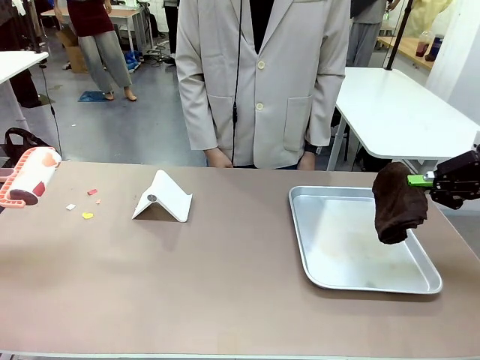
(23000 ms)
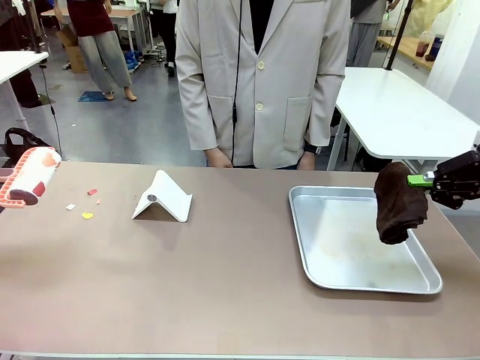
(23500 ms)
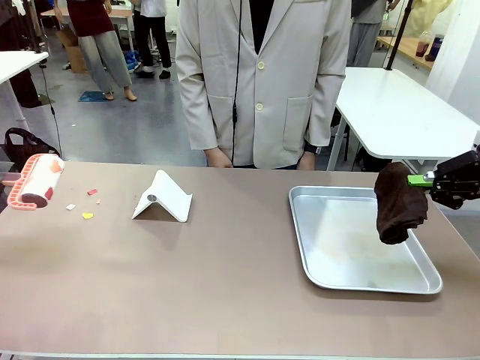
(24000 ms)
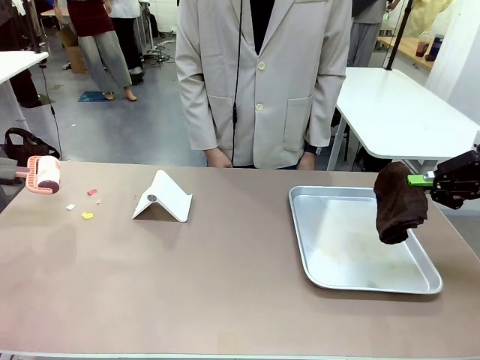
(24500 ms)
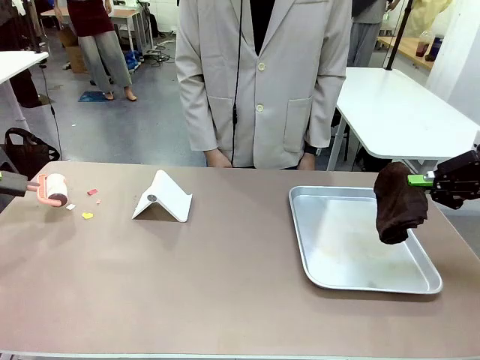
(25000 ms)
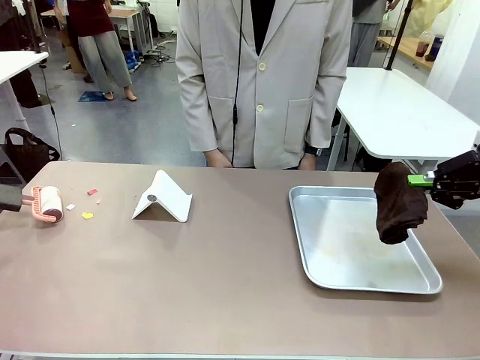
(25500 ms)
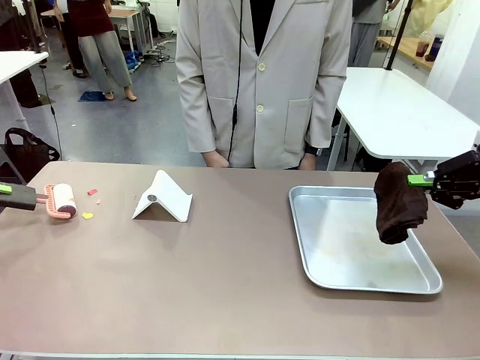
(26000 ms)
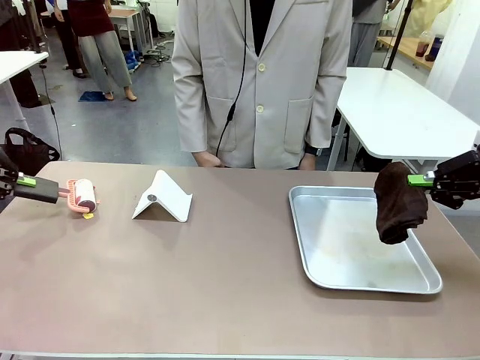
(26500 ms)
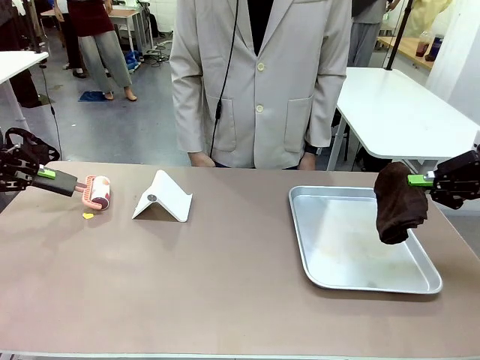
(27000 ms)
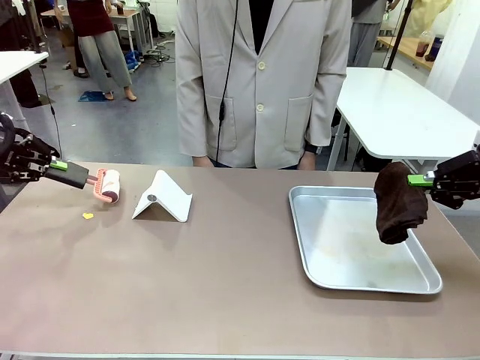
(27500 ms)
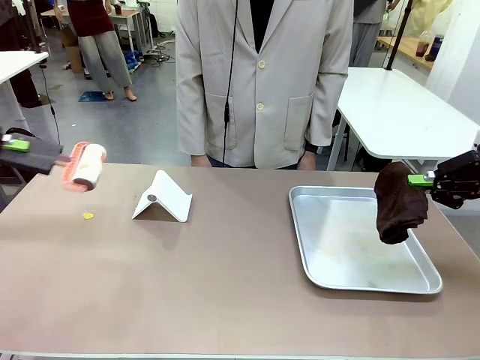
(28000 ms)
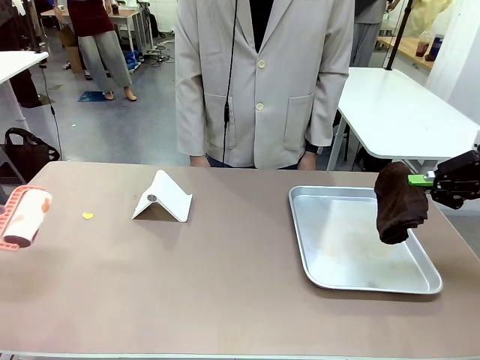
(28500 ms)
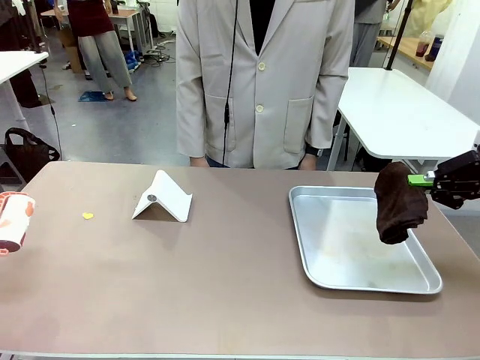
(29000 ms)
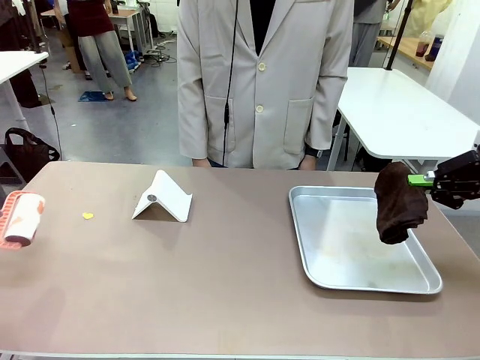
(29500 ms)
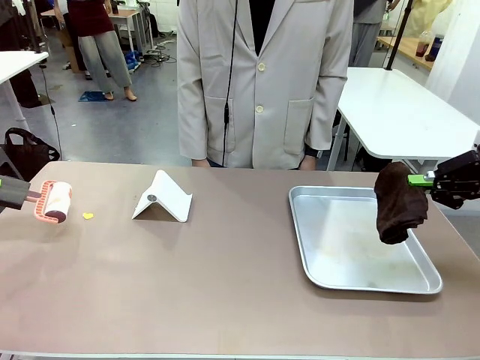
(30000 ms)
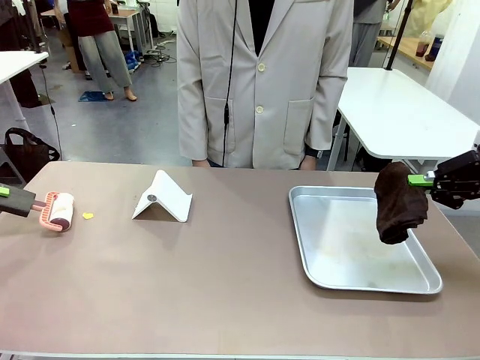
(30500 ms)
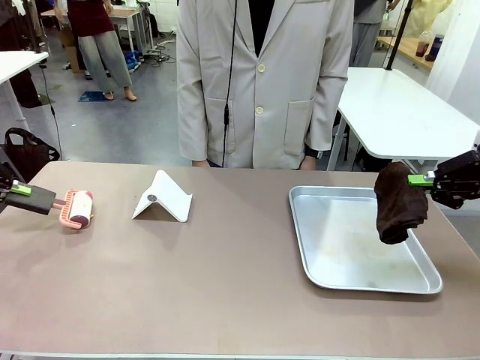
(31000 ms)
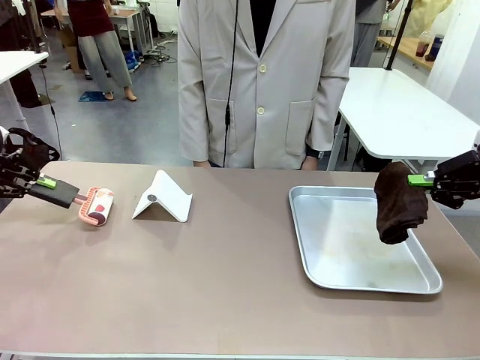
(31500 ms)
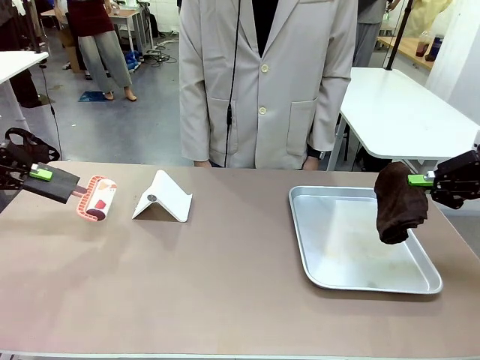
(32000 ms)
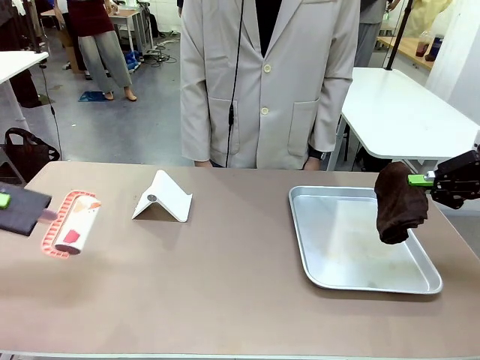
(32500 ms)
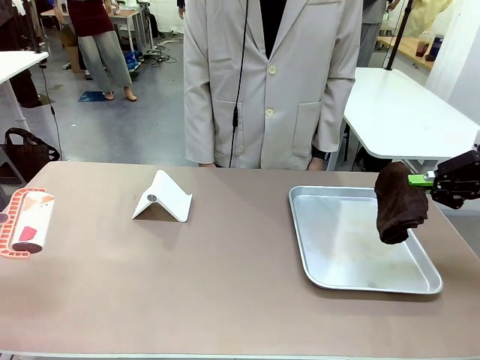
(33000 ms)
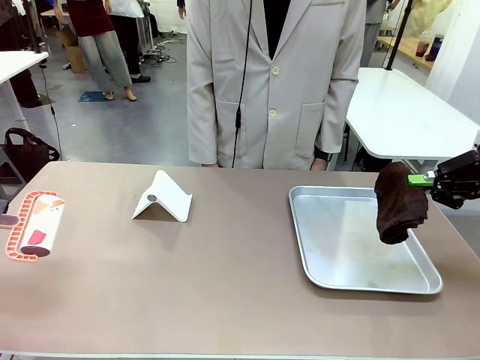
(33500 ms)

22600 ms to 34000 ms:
Task: Clean the surface of the table.
Robot: Clean the area not pointed to by the person.

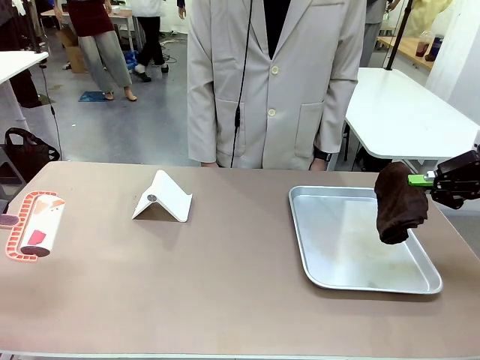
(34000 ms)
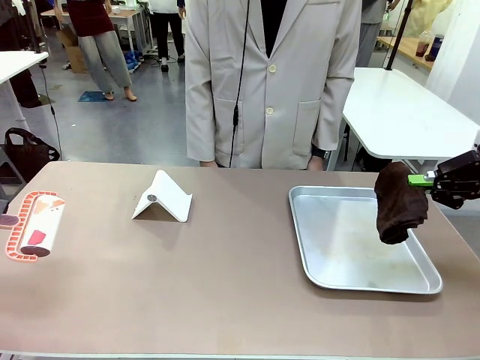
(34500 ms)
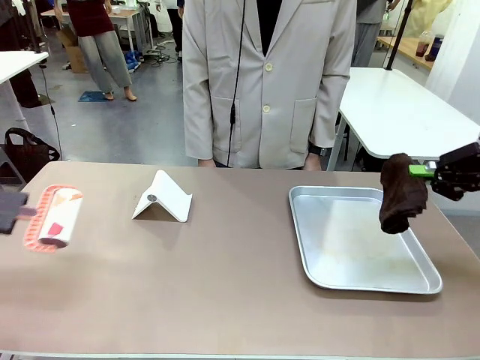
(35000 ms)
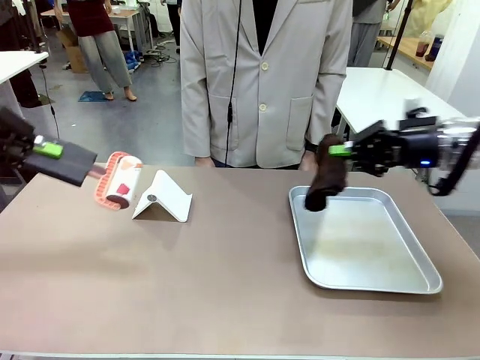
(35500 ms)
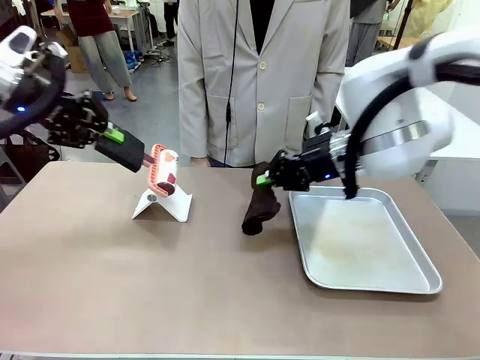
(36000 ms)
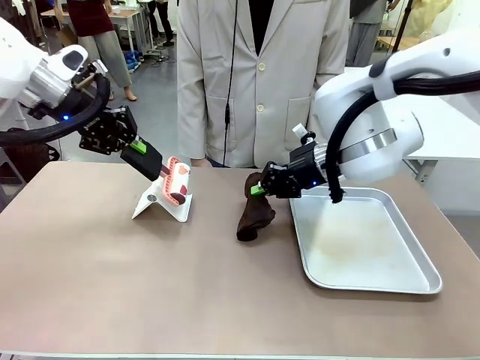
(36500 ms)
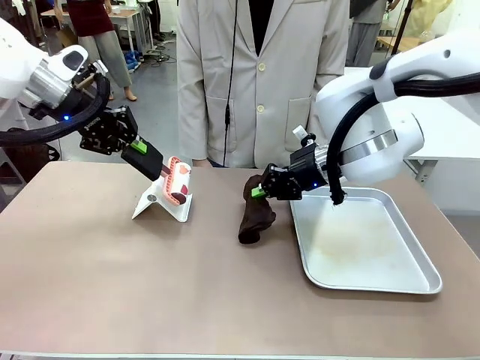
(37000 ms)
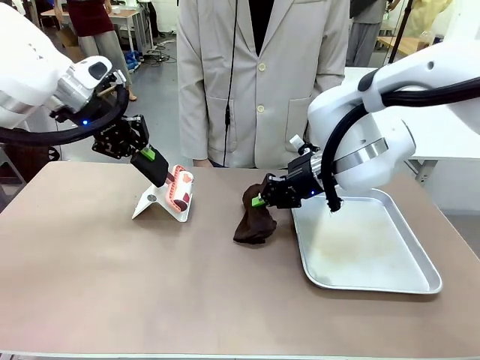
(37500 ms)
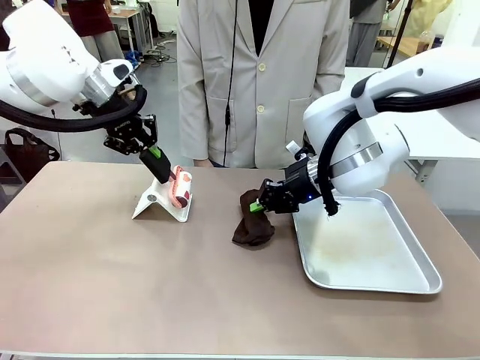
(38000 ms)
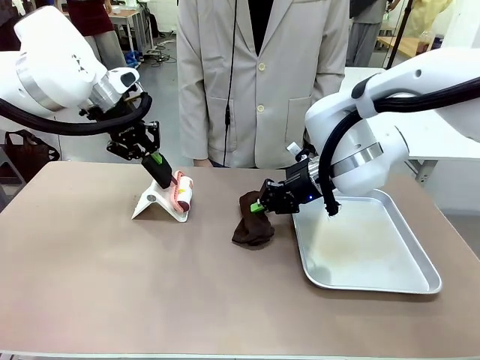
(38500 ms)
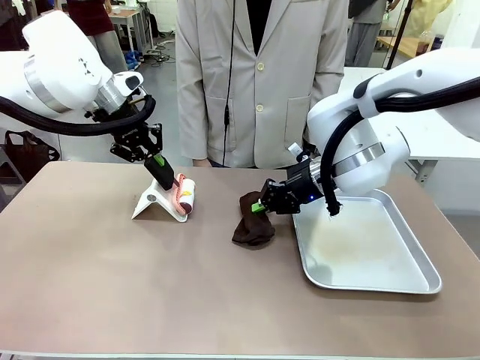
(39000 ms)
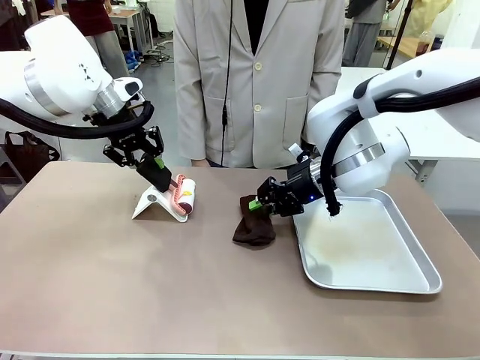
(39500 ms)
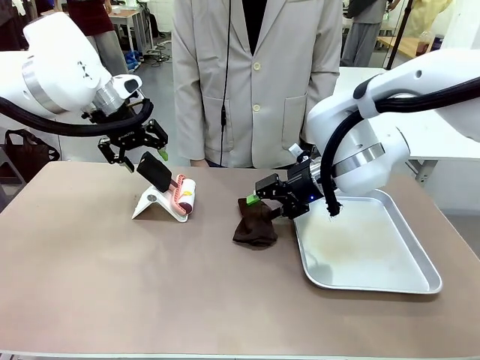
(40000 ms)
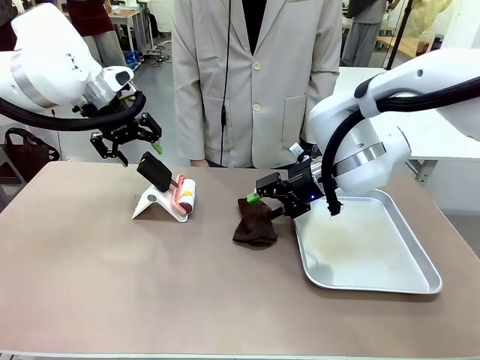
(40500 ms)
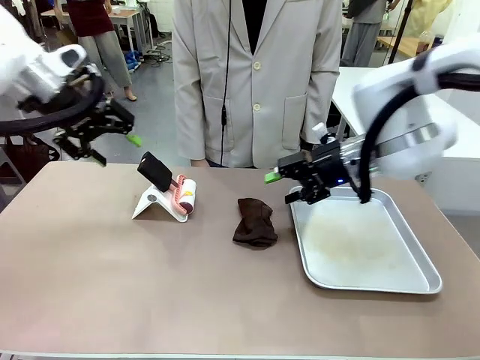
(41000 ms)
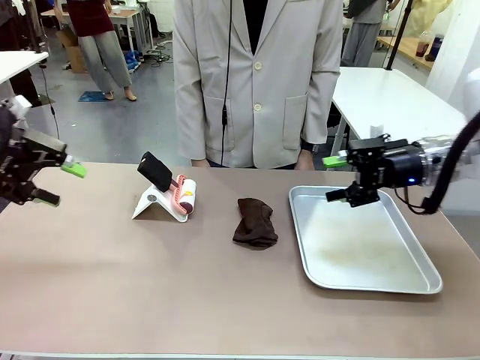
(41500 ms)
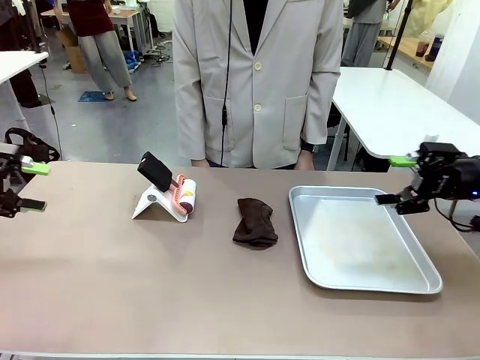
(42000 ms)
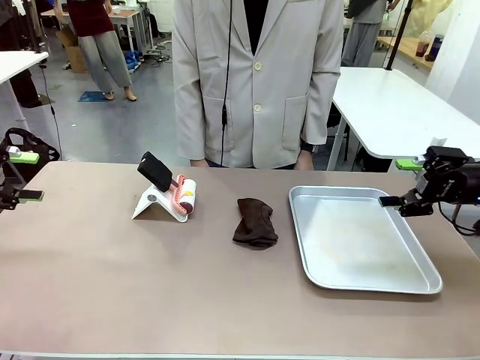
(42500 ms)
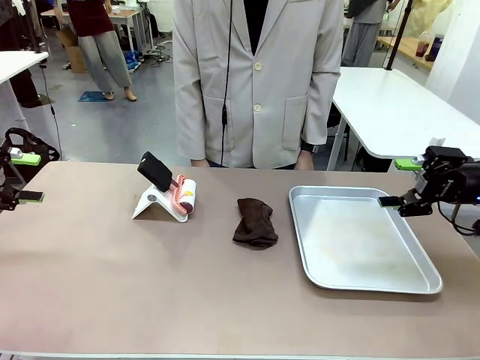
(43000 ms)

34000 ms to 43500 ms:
Robot: Return the Lint Roller and towel to their original positions.

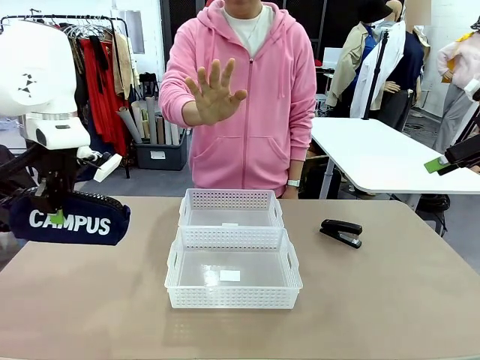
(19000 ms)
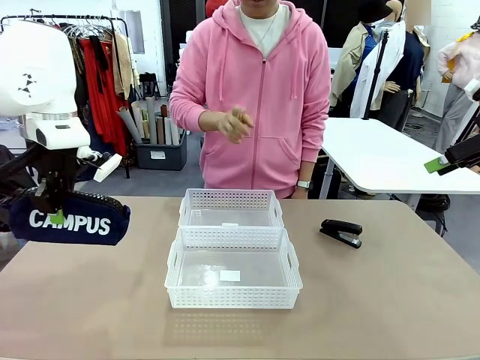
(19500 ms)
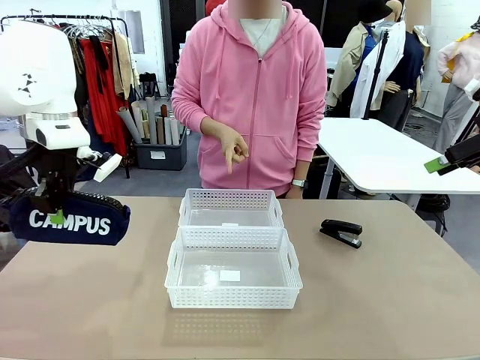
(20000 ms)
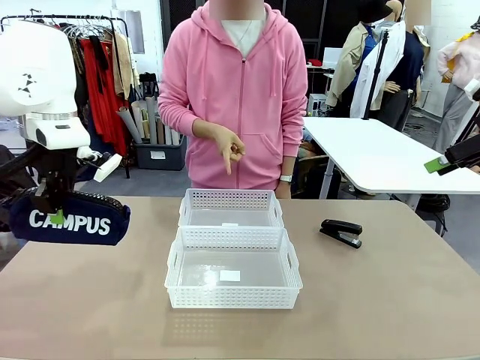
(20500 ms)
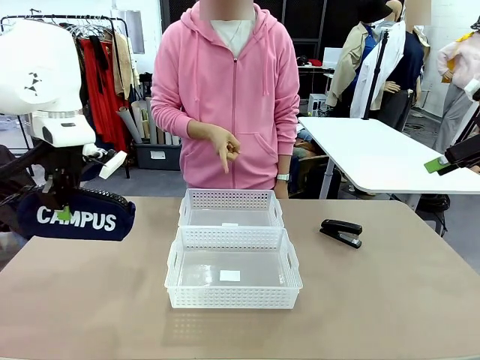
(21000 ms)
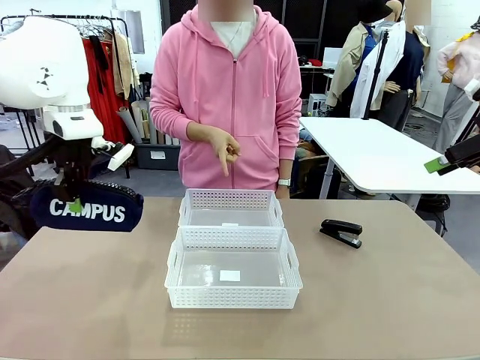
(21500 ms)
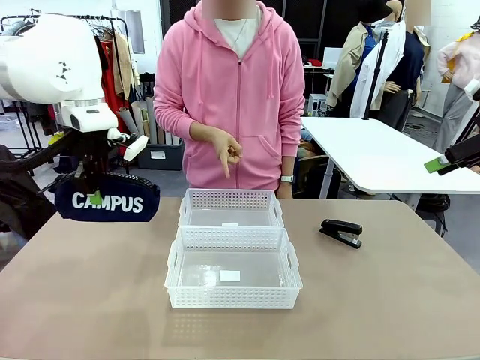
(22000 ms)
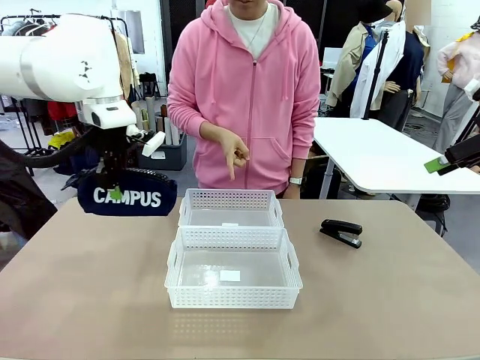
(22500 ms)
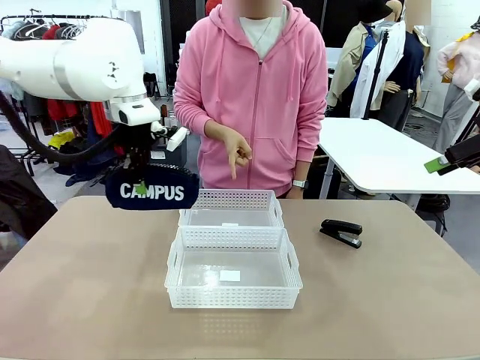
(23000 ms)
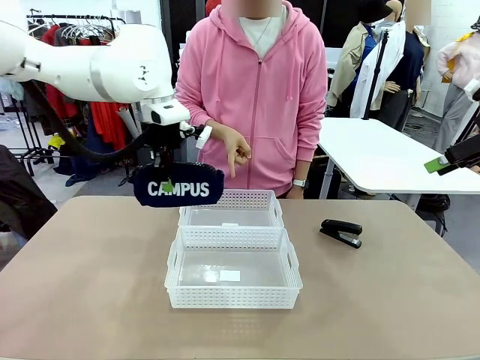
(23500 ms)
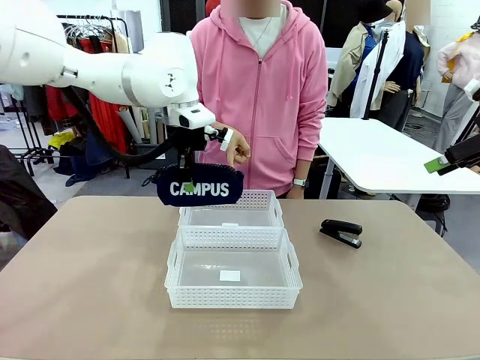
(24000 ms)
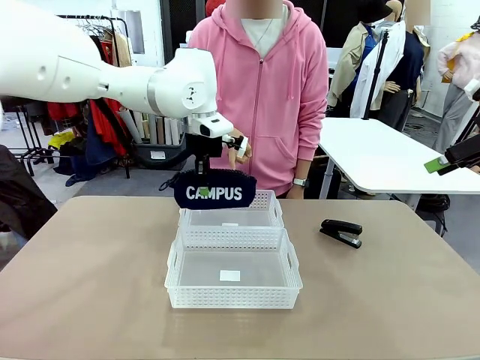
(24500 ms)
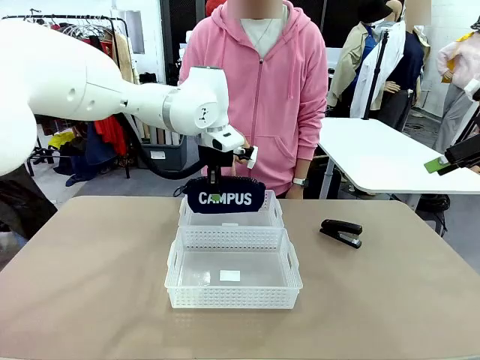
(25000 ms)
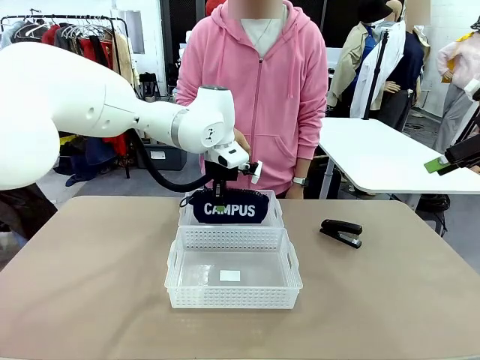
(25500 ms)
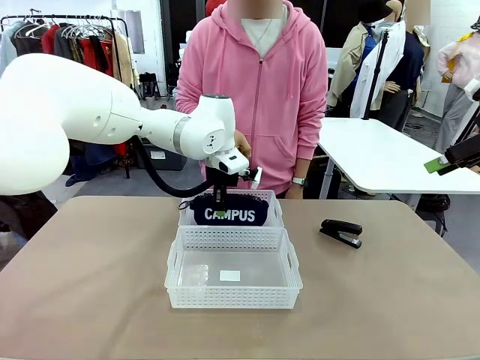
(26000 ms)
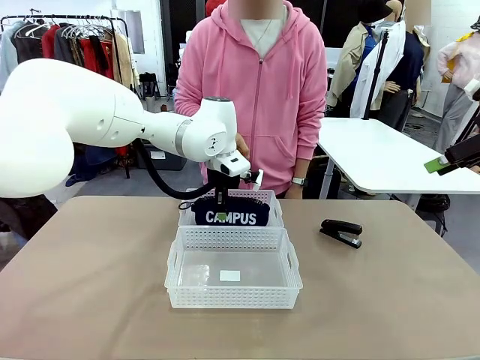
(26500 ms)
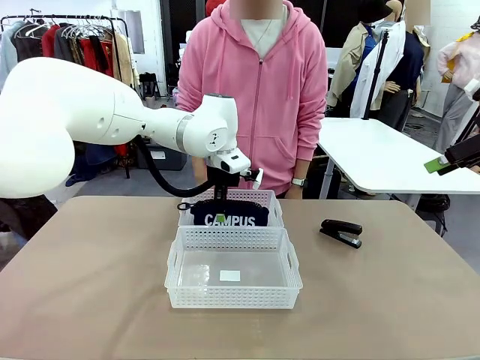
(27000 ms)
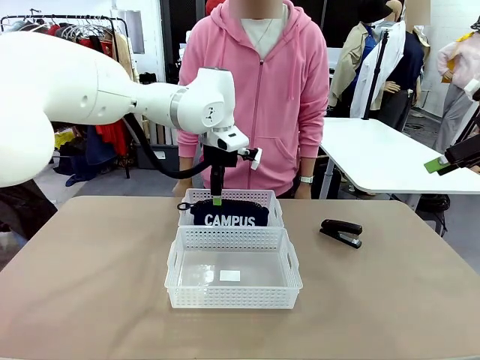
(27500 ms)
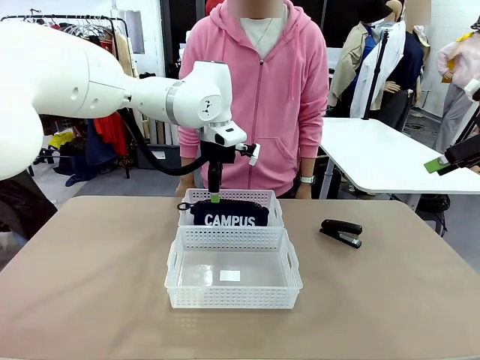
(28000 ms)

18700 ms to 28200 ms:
Task: Distribute items into two baskets.
Robot: Place the picked Pencil pouch into the Organizing basket as instructed by the person.
Person: Instructs the robot to place the pencil case into the opposite basket. Points to the stapler.
